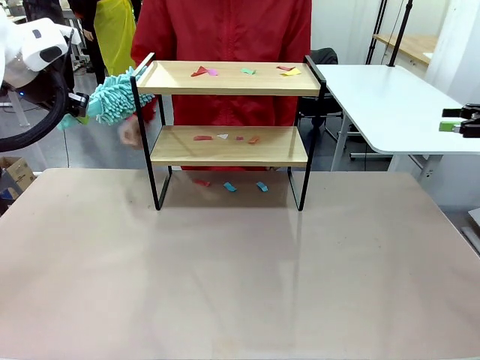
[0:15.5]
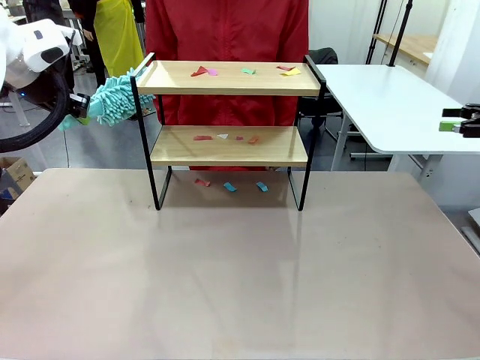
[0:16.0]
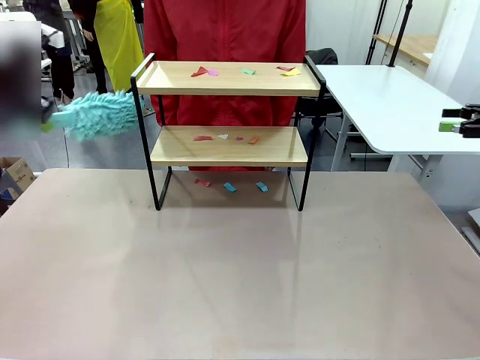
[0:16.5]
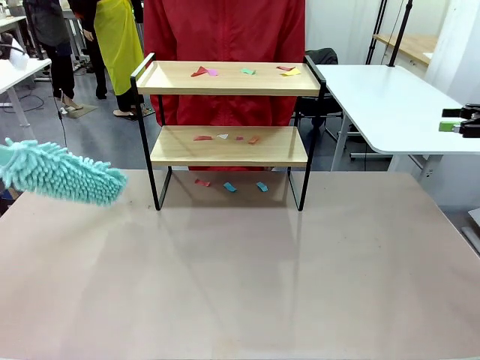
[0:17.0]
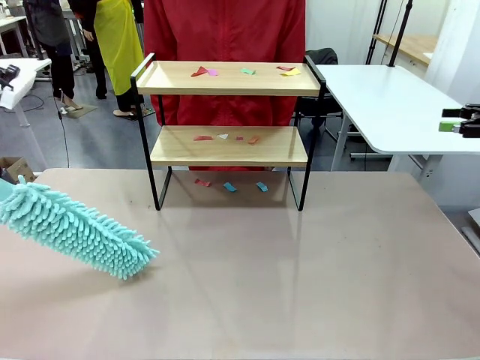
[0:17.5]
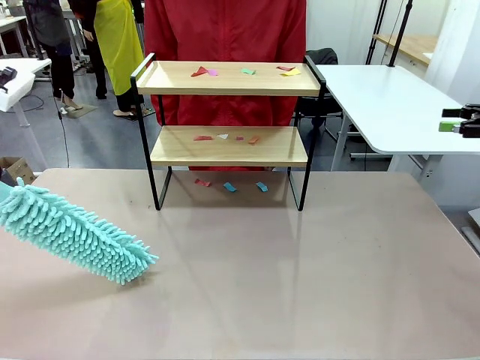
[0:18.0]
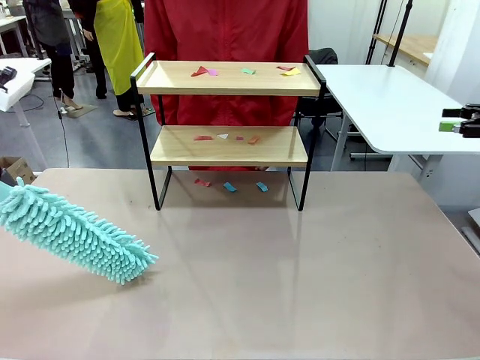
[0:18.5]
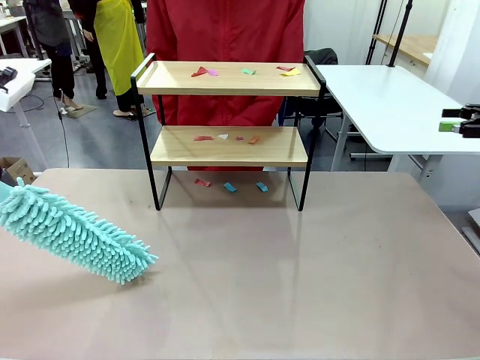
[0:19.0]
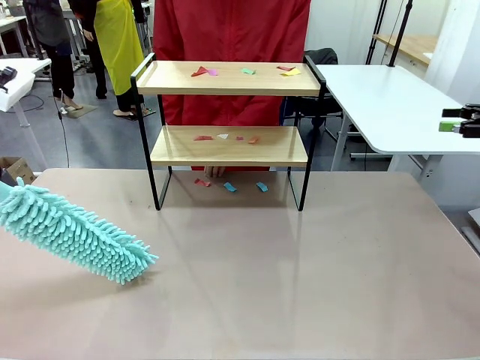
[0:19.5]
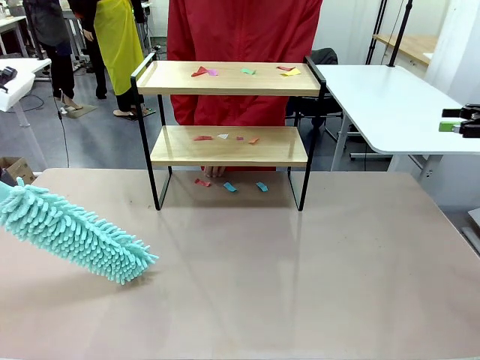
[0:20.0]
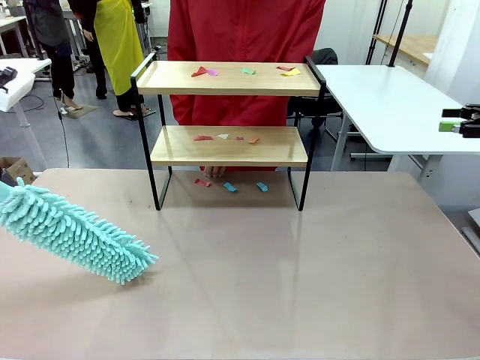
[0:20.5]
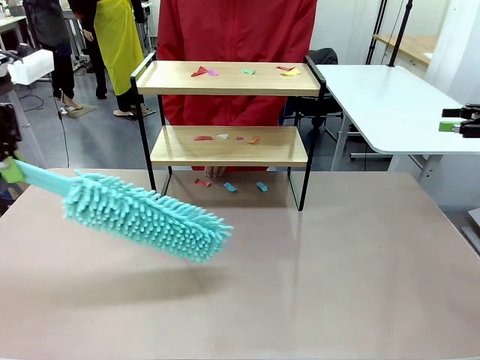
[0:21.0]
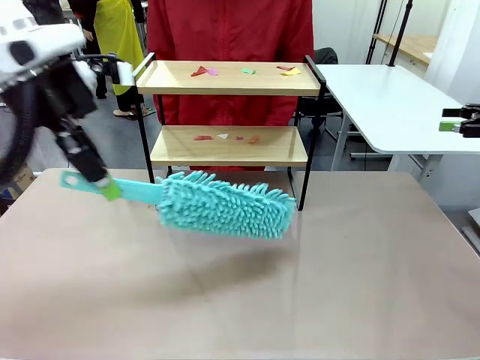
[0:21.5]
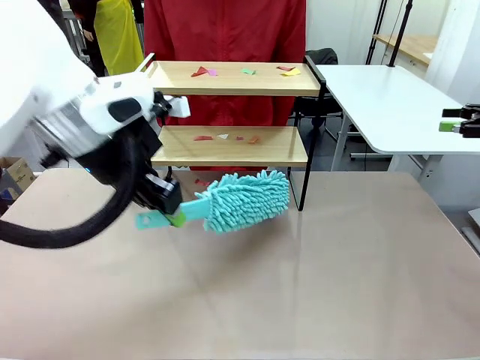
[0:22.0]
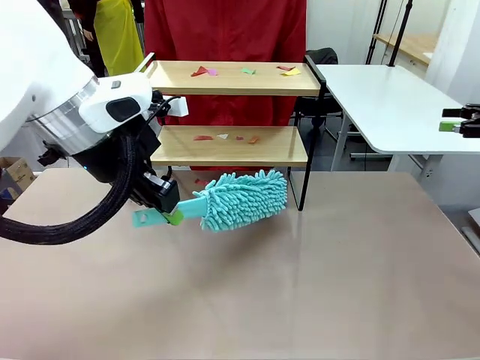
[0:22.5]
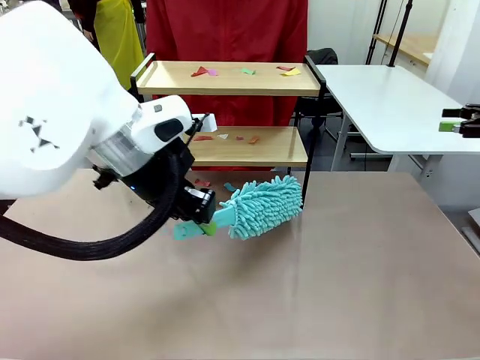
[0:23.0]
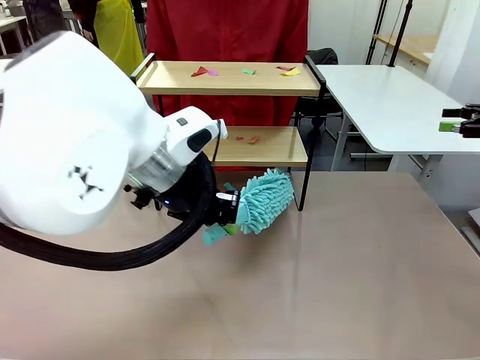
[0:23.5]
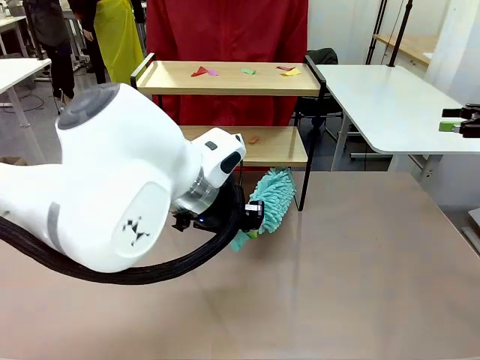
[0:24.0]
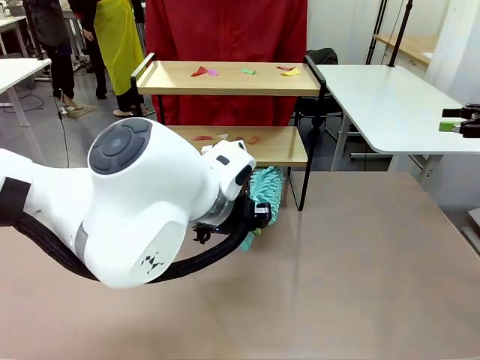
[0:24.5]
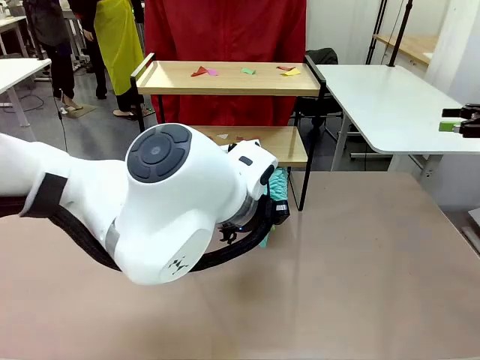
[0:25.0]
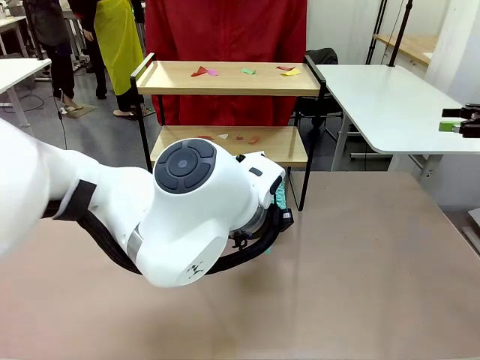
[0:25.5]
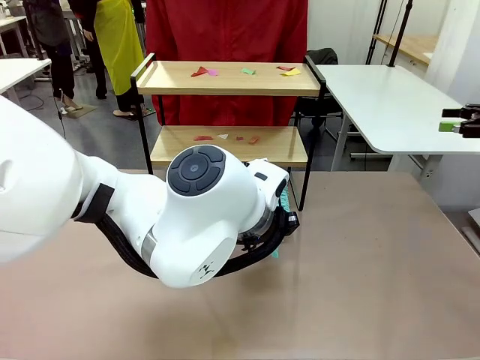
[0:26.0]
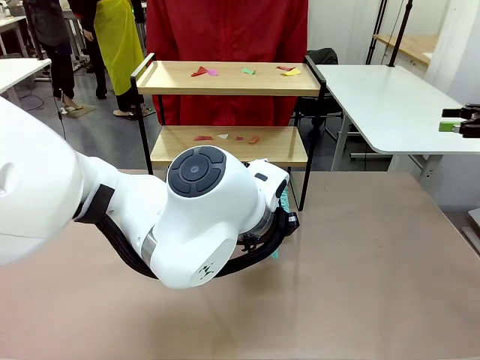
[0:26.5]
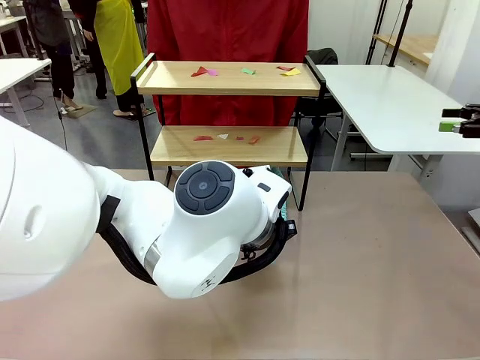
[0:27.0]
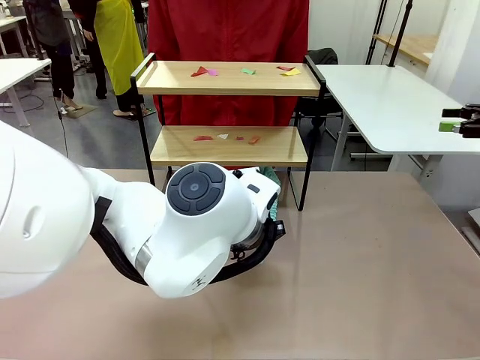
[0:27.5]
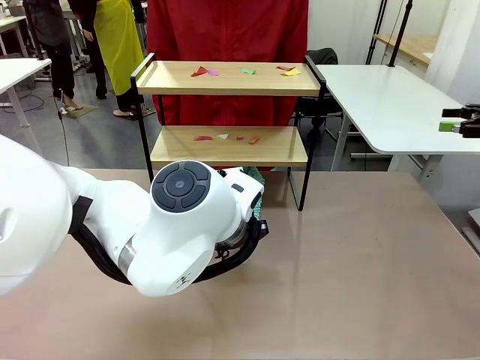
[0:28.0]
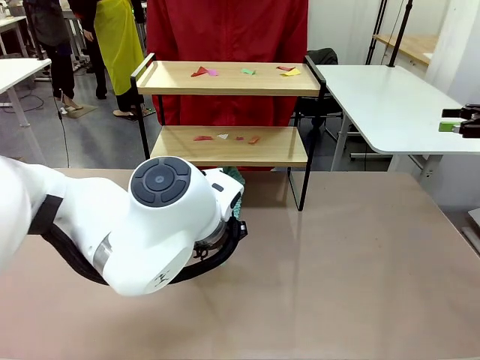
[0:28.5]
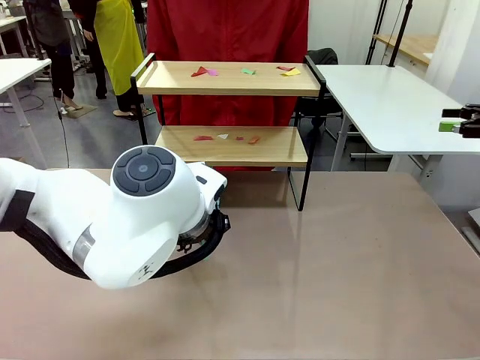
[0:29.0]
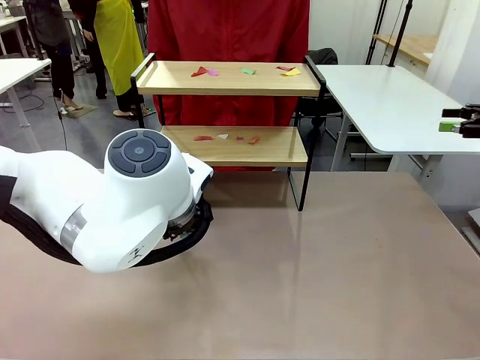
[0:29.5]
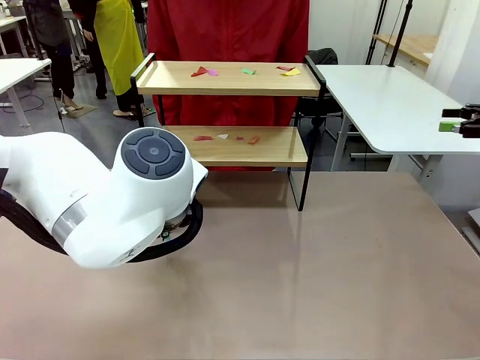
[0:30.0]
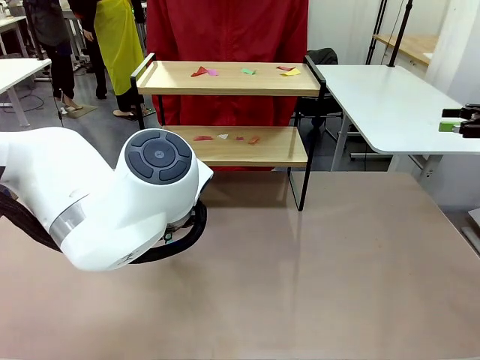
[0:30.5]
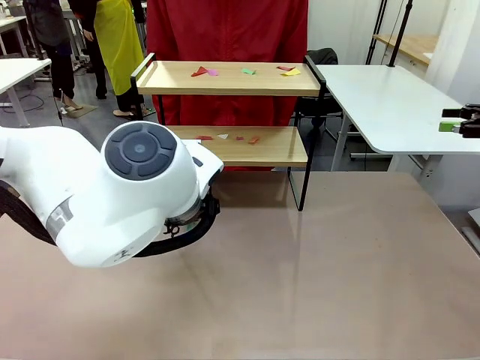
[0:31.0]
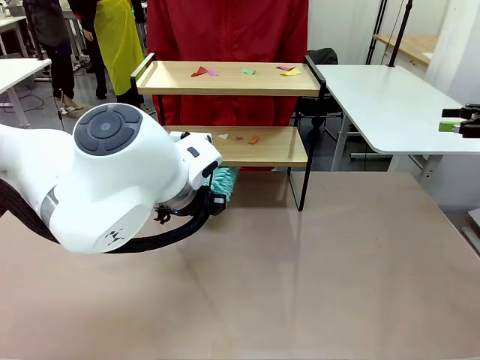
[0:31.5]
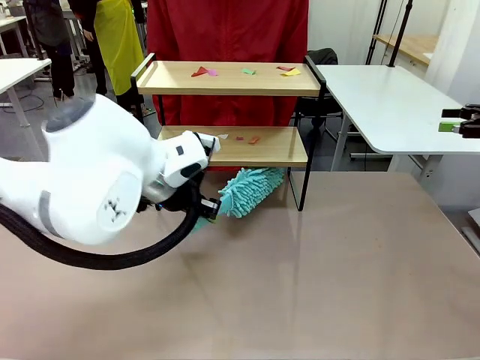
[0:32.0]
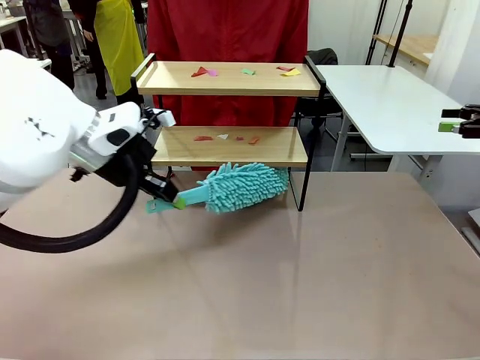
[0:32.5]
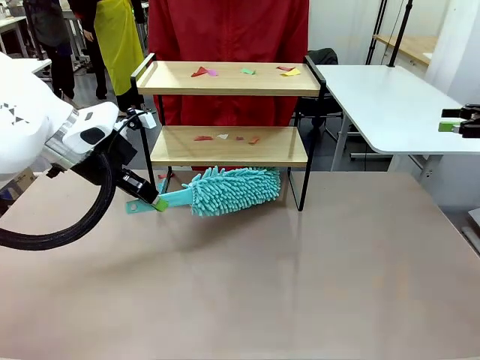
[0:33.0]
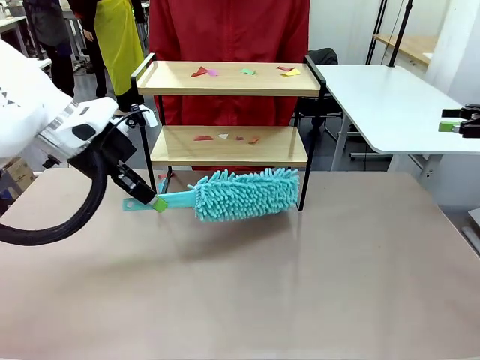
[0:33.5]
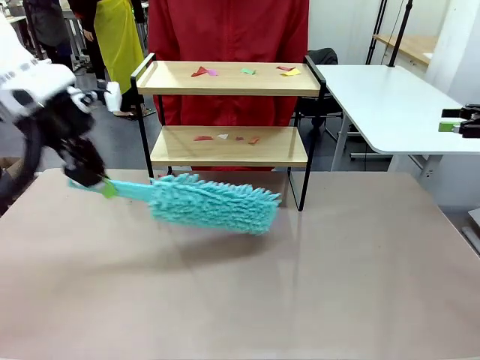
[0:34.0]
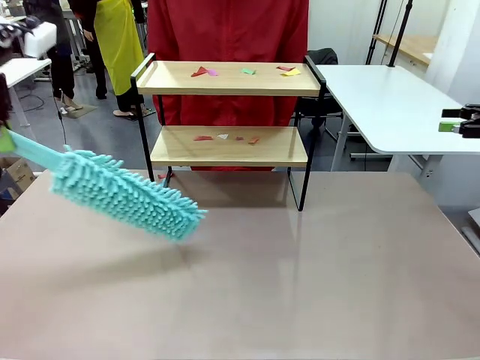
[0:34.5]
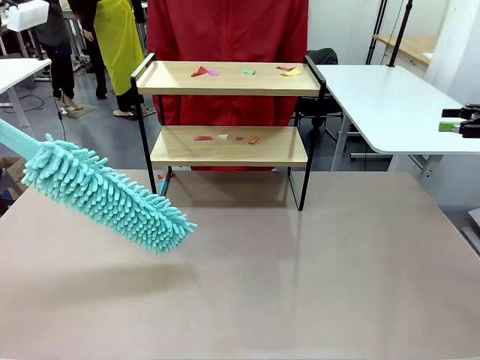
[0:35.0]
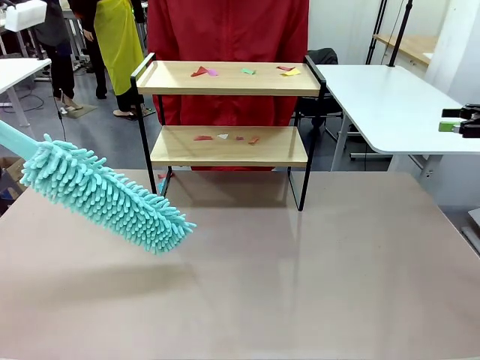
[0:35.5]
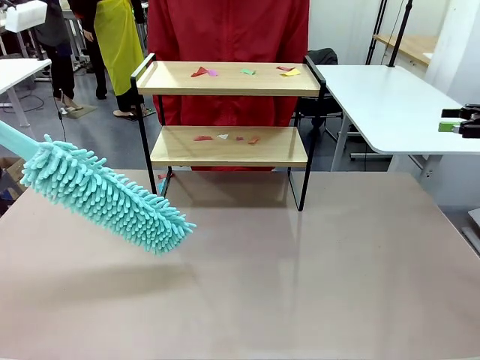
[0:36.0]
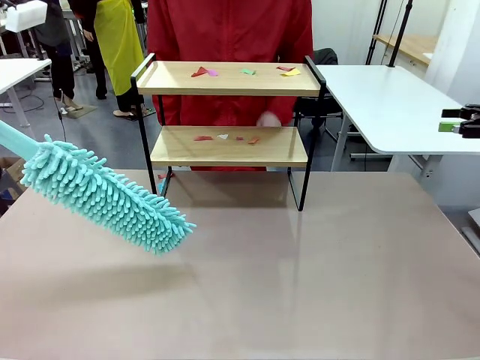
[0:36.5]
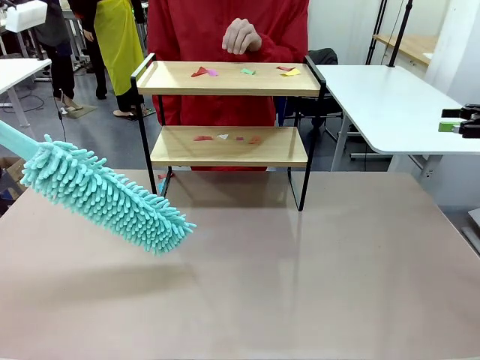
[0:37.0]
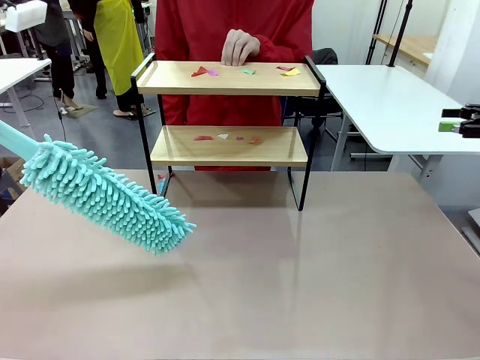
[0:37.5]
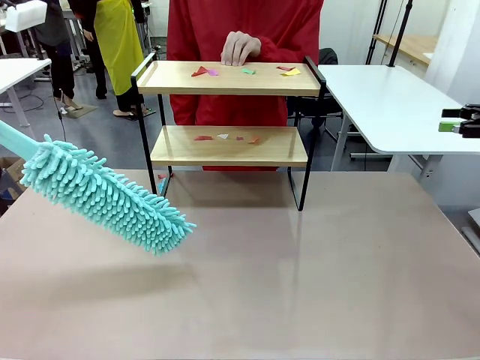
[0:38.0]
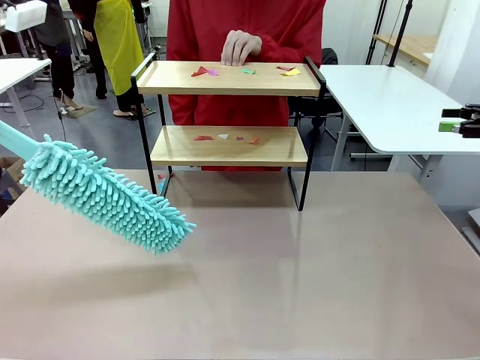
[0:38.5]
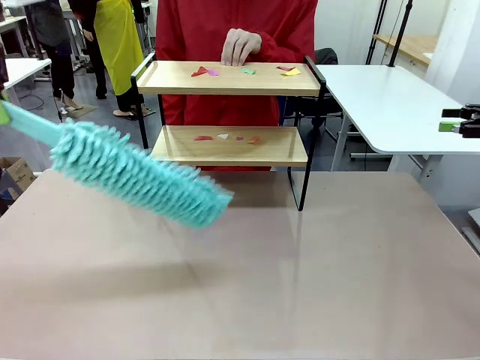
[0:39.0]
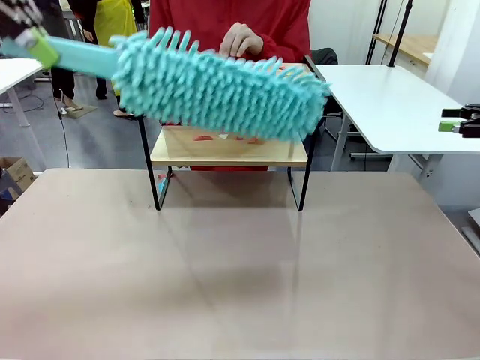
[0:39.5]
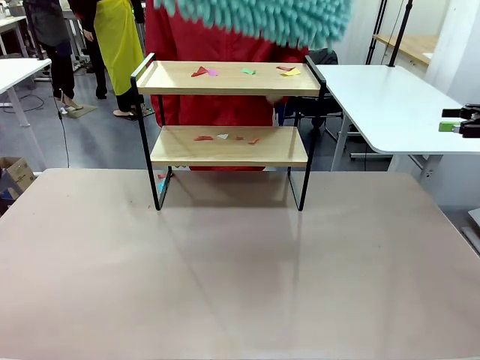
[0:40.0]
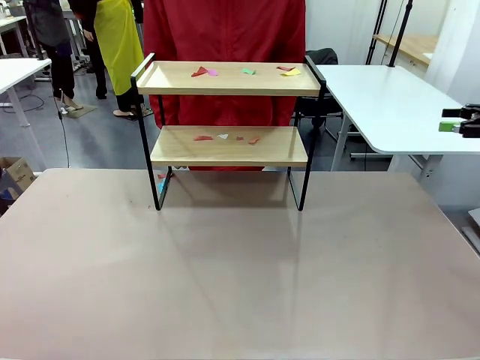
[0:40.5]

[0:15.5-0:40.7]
Task: Clean the shelf.
Robot: Clean the specific section of the Shelf indicated by the human with the Duster.
Person: Point a random section of the Shelf.

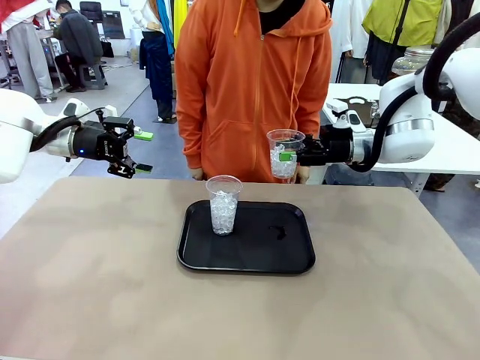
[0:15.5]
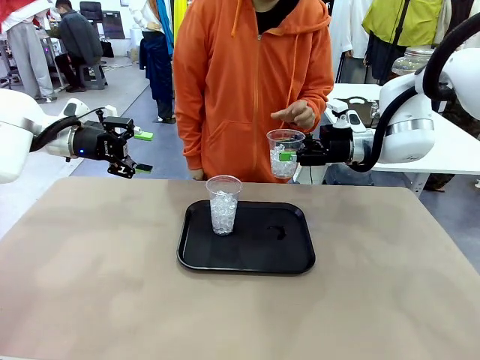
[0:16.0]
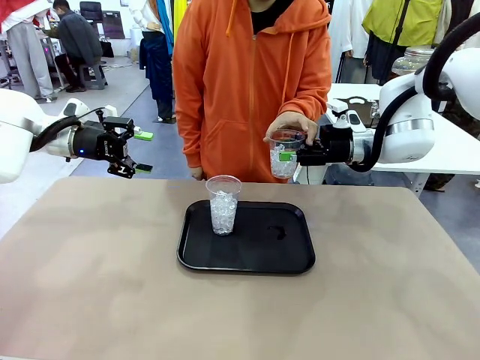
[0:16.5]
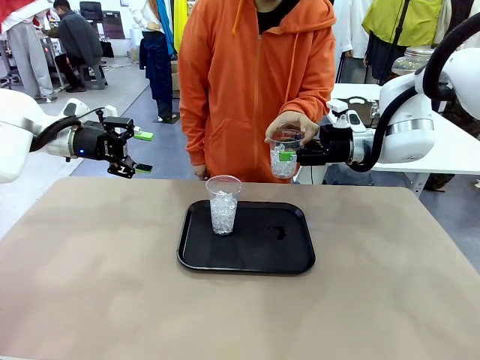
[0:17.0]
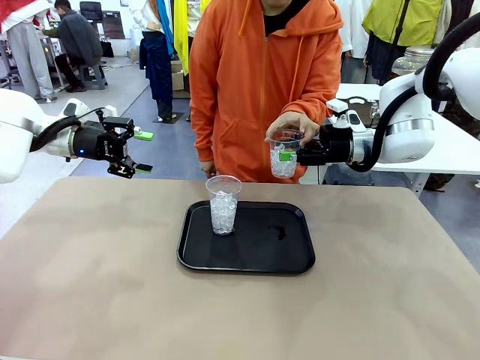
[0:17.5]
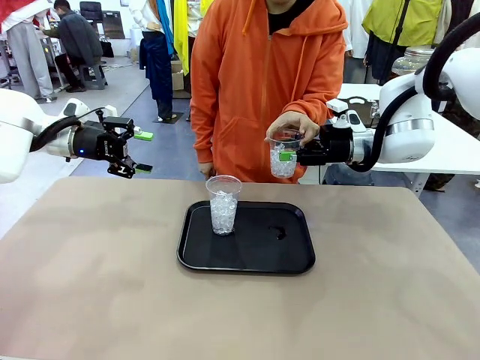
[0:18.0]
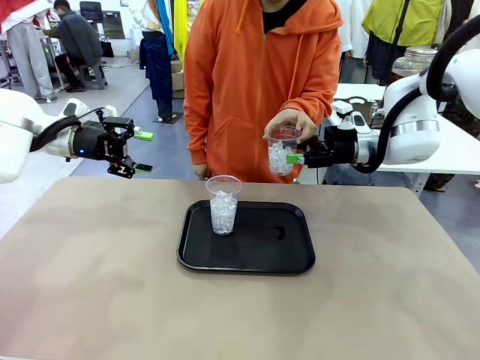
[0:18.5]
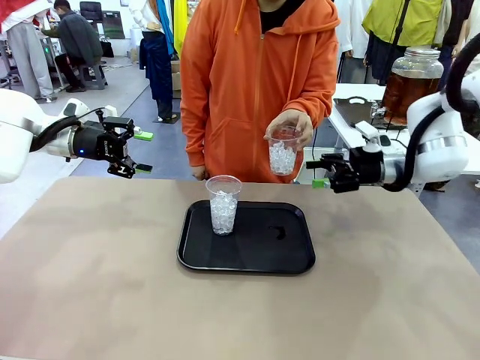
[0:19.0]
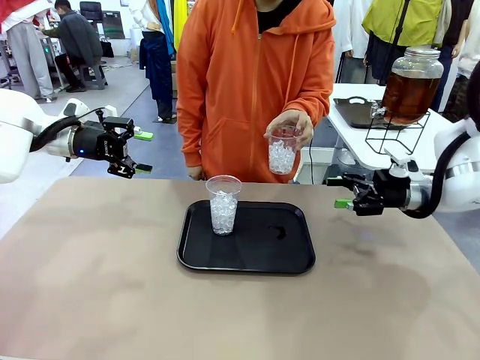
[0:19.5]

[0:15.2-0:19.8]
Task: Pour the drink into the iced cup.
Robot: Open the gripper to release the iced cup you were holding.
